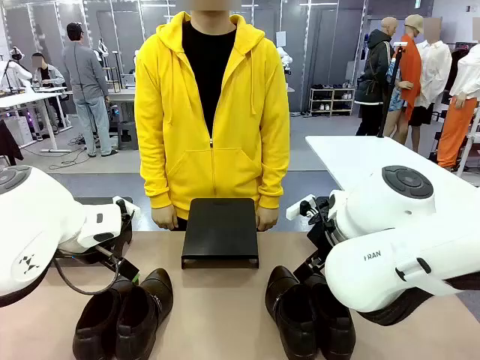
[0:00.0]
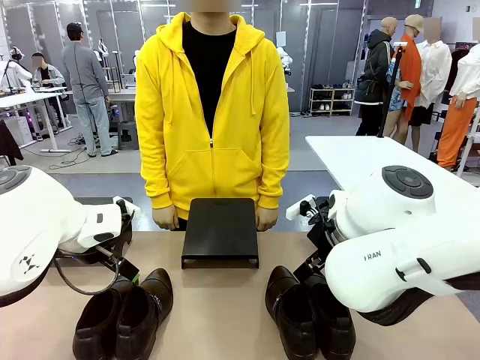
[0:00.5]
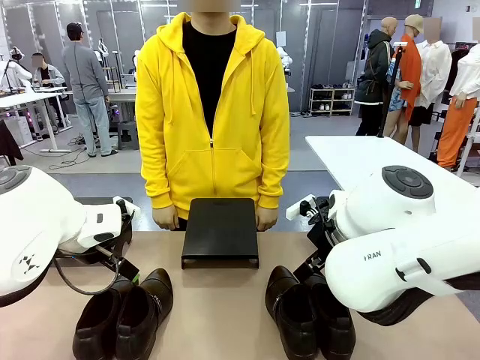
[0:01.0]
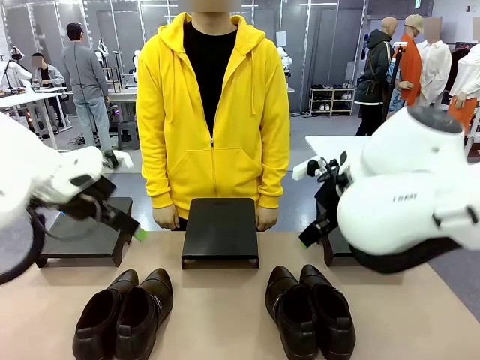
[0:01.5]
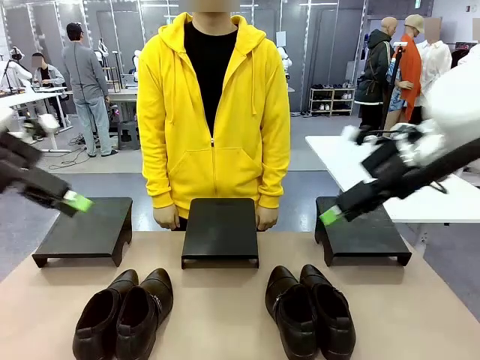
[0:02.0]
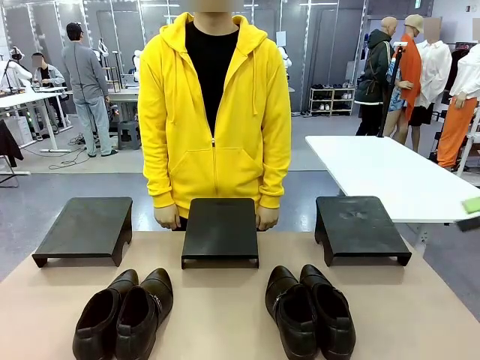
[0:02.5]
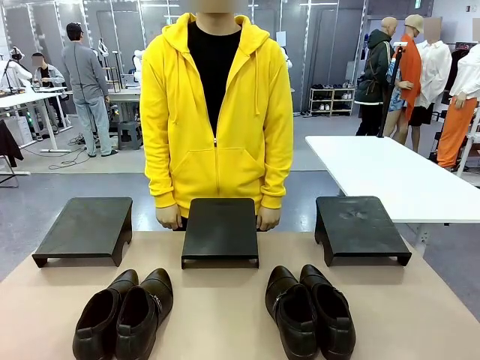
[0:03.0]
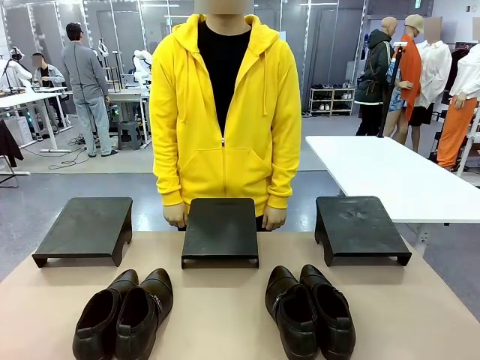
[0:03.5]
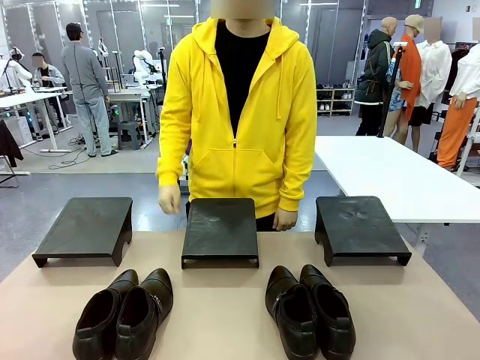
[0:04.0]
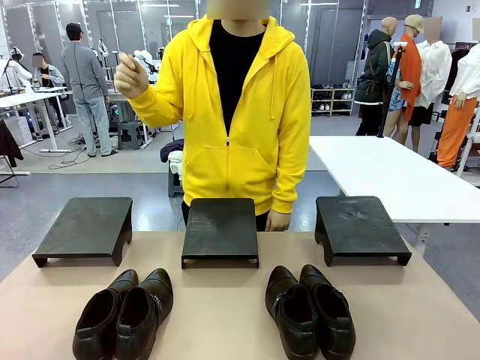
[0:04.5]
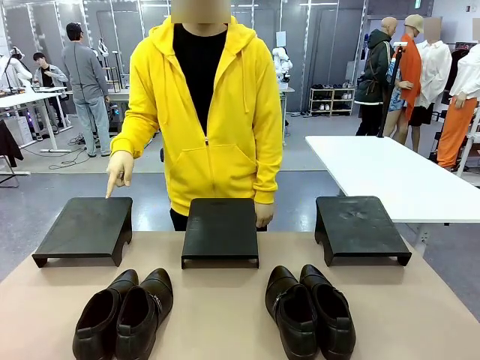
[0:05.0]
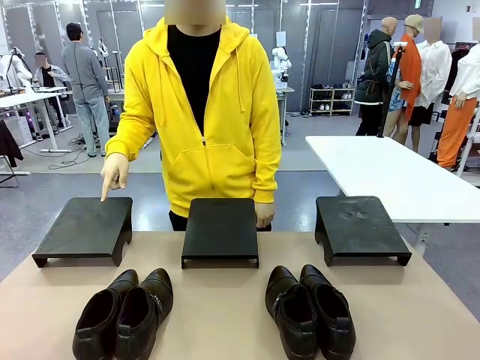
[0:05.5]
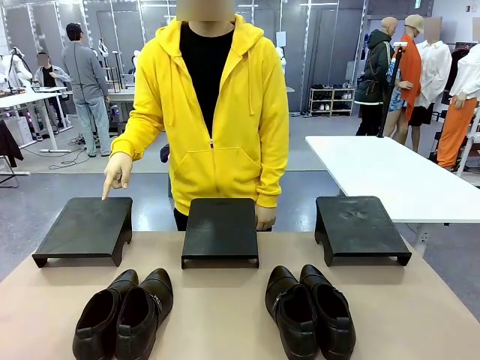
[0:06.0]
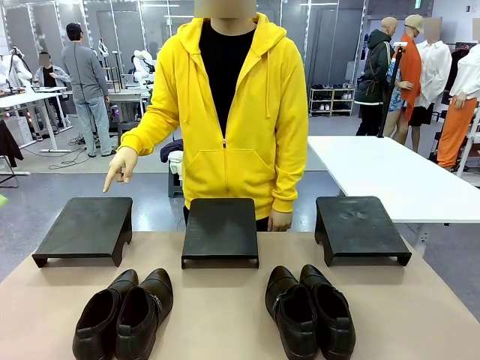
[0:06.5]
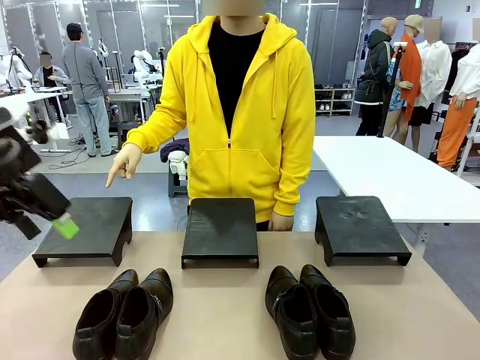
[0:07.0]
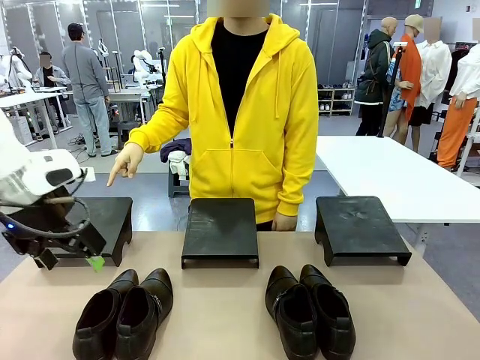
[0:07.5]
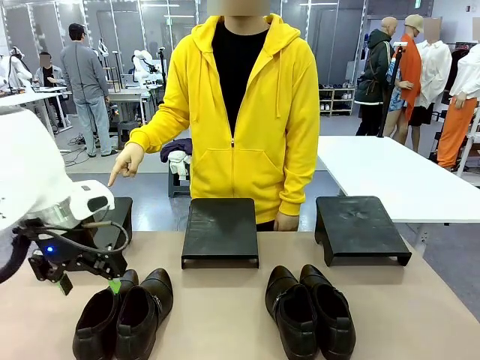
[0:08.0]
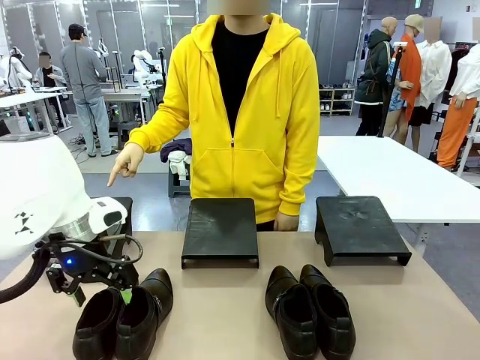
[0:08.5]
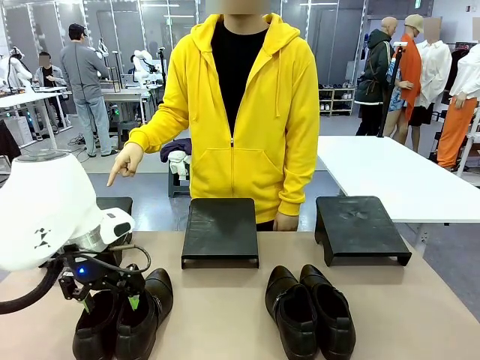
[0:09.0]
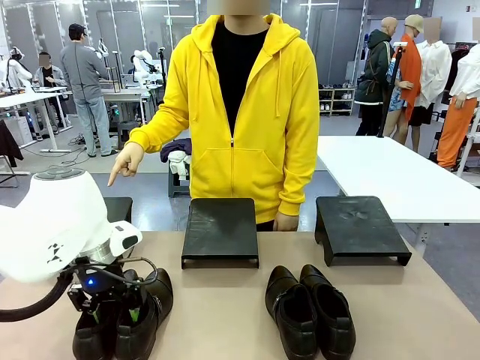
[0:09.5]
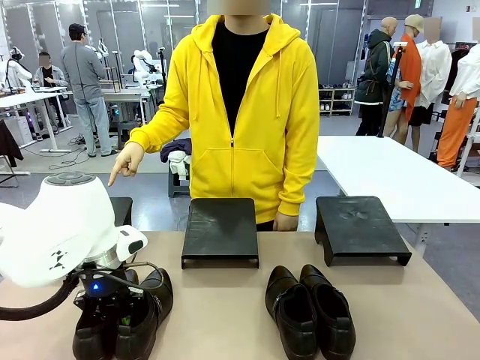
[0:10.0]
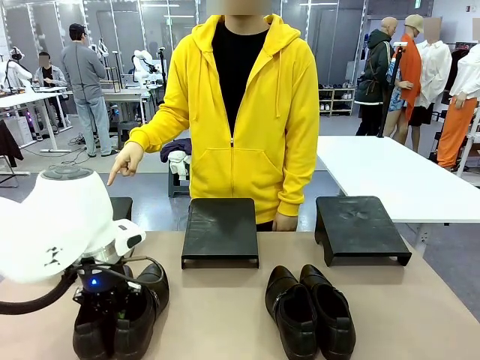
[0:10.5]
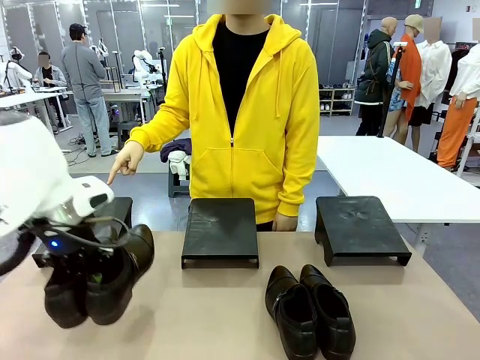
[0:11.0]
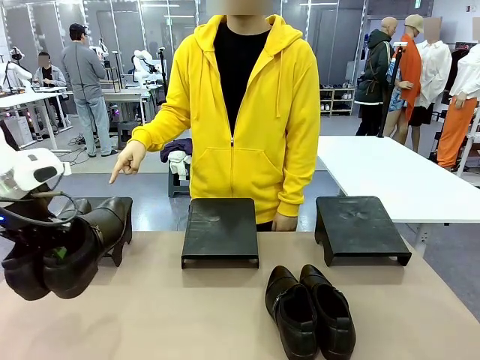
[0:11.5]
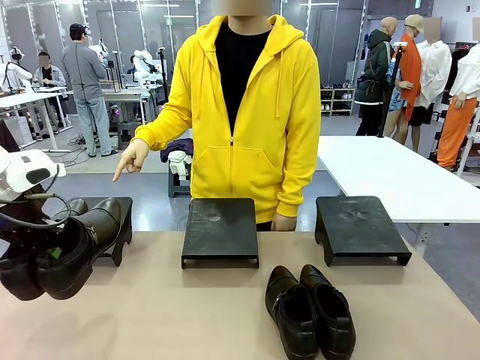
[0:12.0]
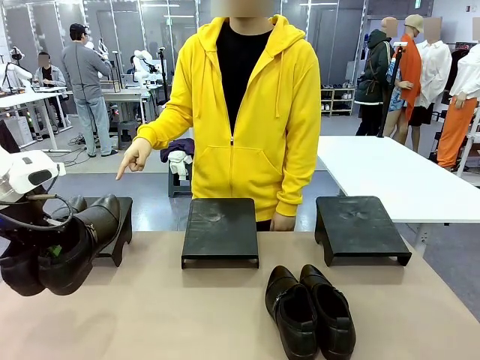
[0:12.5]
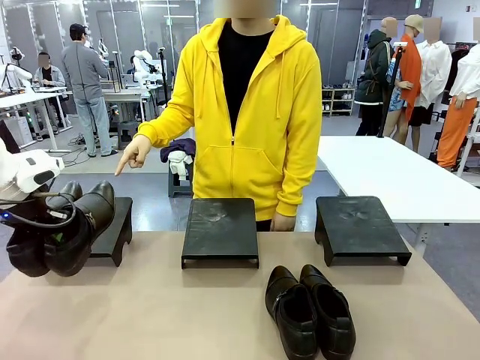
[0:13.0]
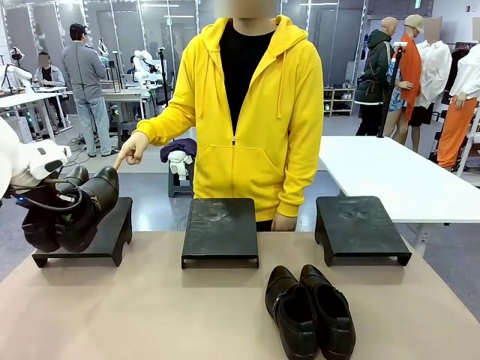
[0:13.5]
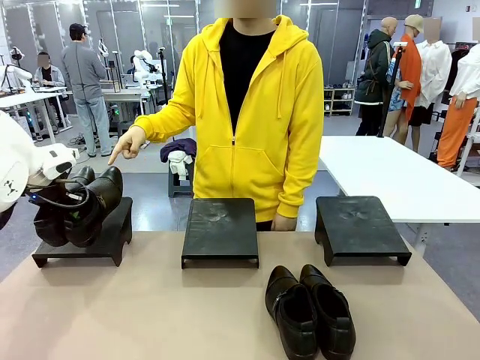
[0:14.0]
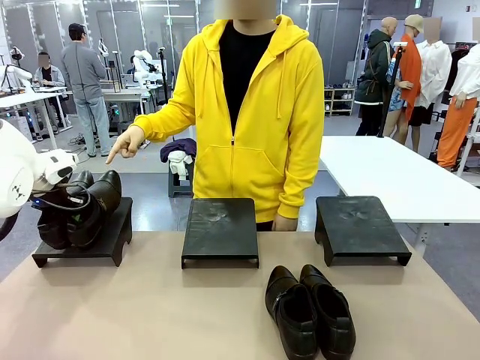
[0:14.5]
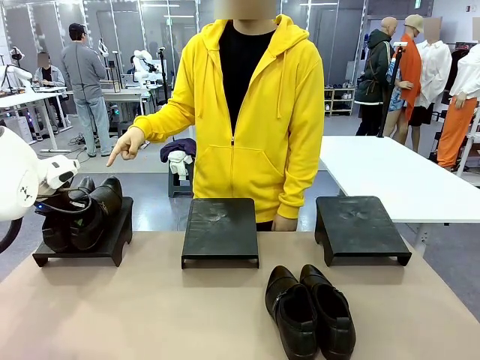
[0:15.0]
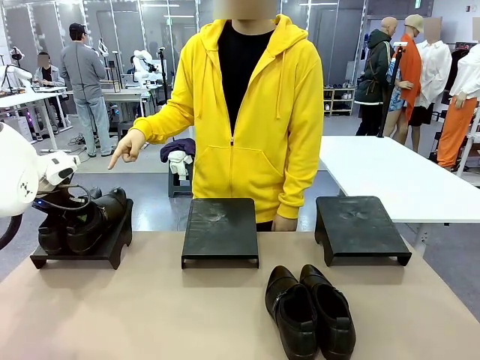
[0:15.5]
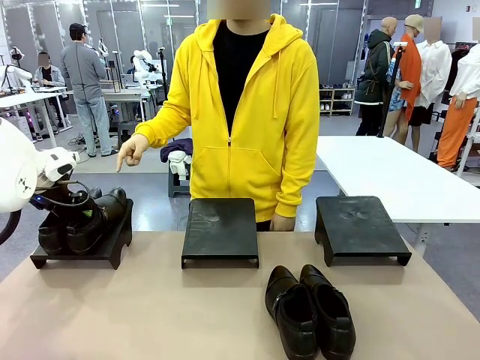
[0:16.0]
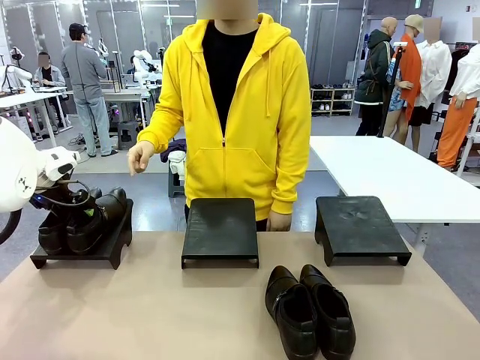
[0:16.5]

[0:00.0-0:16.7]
Task: Place the shoes on the stand as instructed by the person.
Robot: Pick up one pair of Shoes and place it on the Shoes Stand indicated by the person.

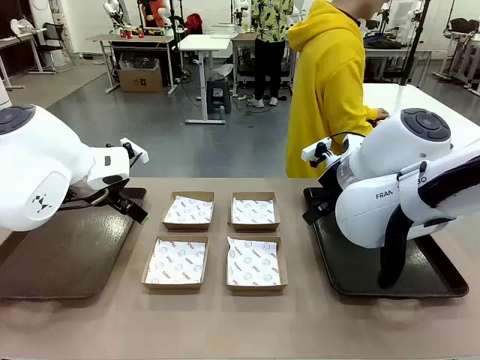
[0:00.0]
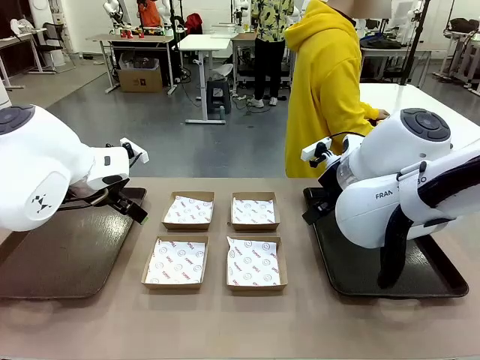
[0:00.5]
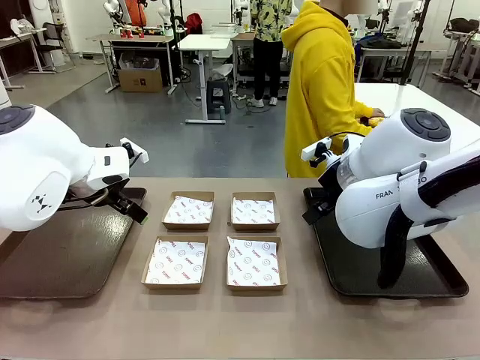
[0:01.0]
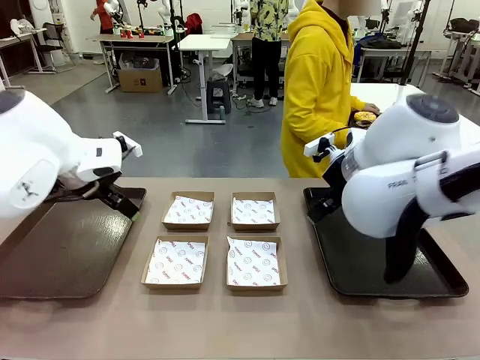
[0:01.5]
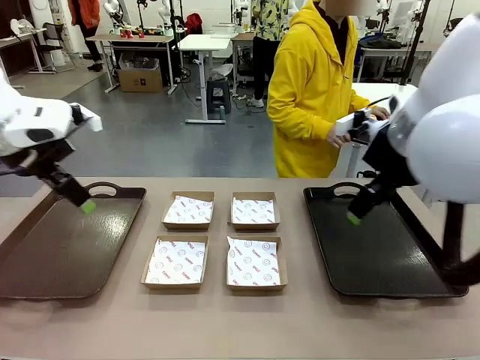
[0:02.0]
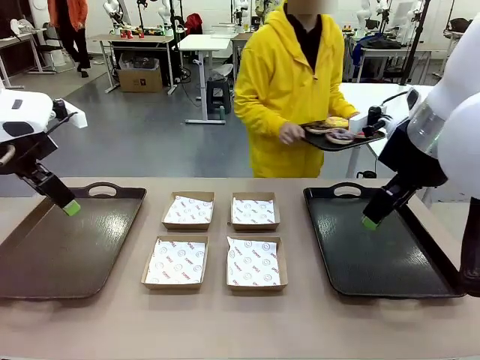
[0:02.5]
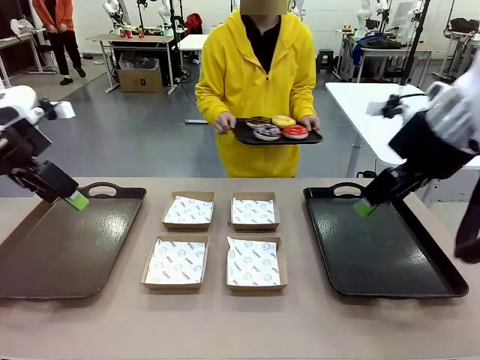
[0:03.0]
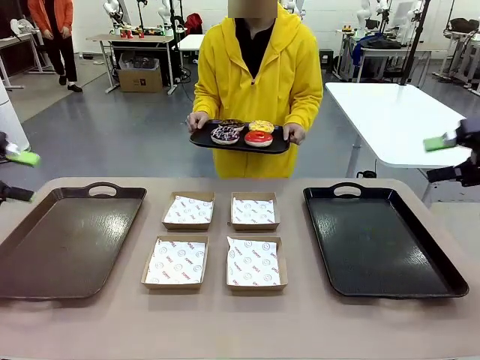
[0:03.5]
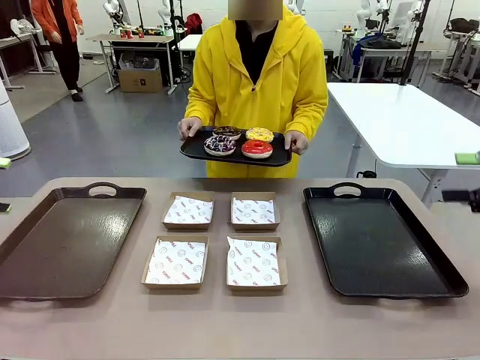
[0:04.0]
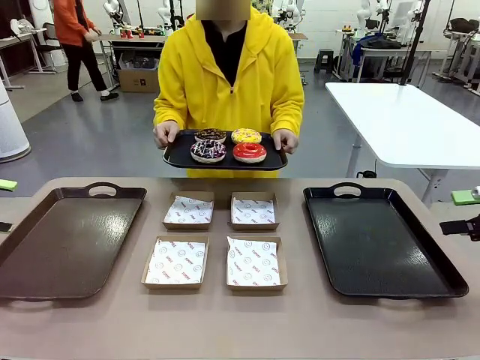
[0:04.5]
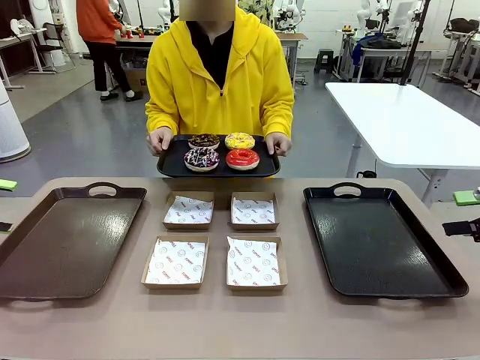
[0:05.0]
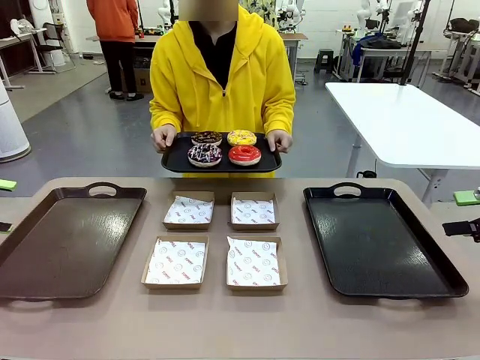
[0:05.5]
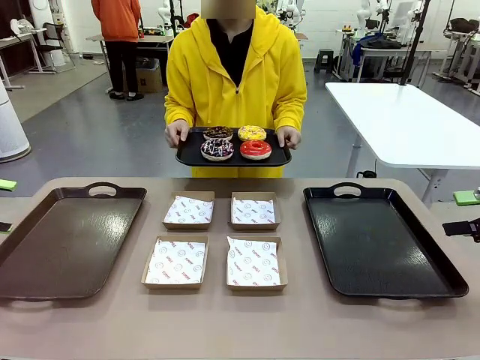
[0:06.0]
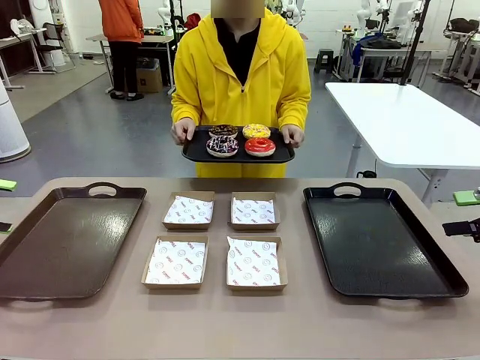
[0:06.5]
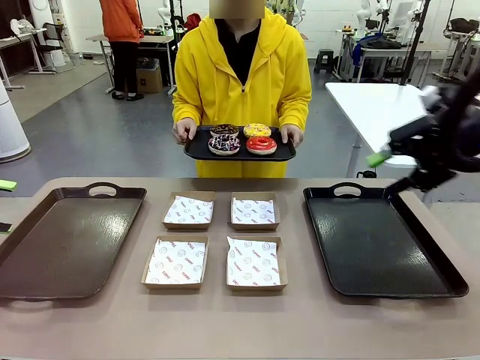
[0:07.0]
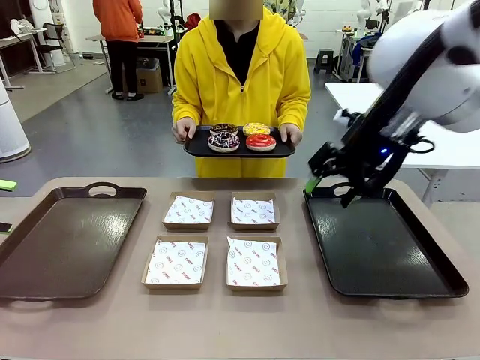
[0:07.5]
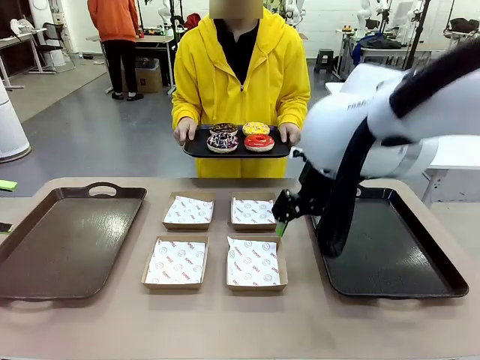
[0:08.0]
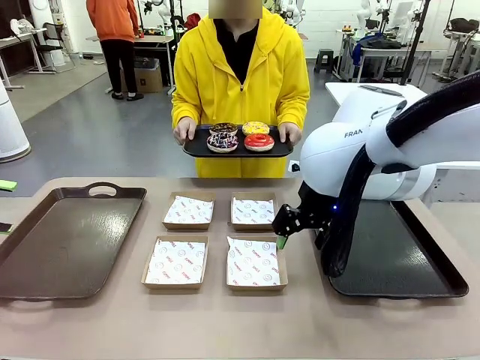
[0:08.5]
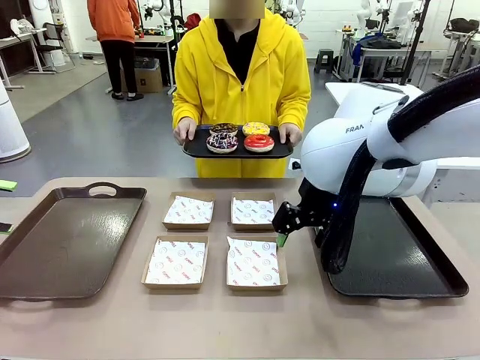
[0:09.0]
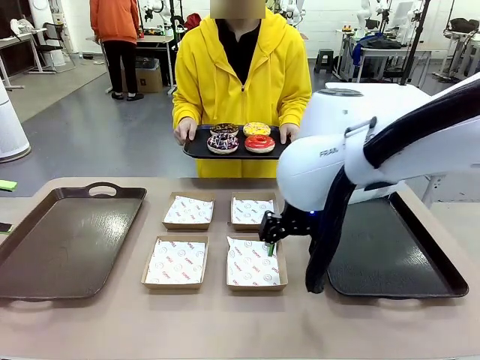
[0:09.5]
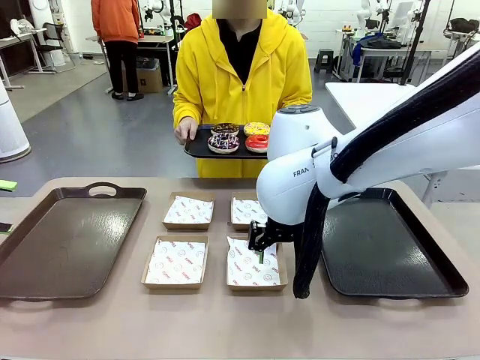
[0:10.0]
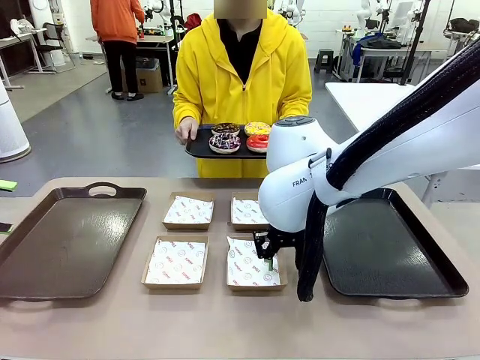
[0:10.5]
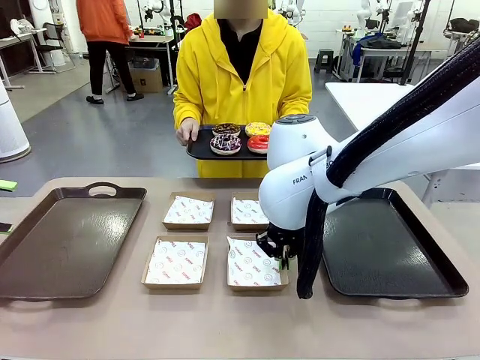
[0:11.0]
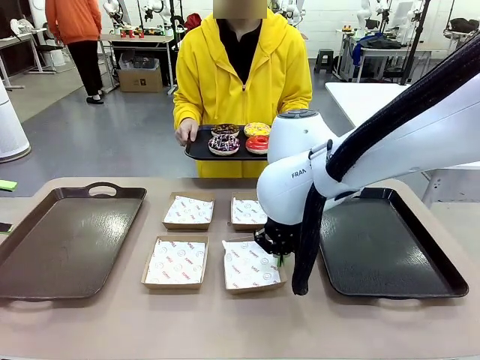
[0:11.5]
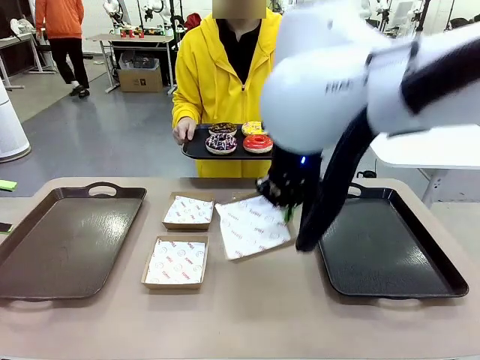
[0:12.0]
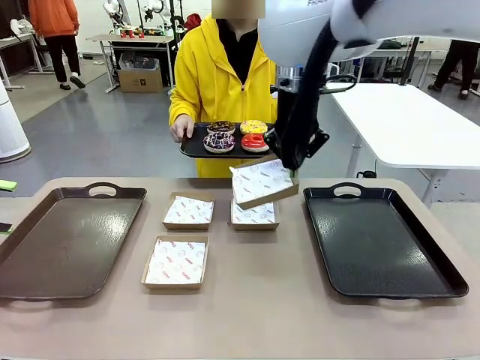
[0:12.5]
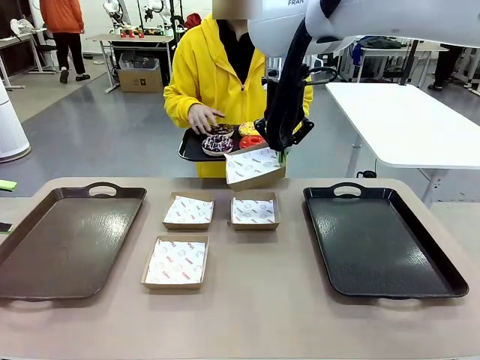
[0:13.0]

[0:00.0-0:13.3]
Task: Individually package the donuts and arrange them on the tray.
Robot: Pick up one Paper togo box.
Person: Stand in front of the robot table holding the tray containing the donuts.
